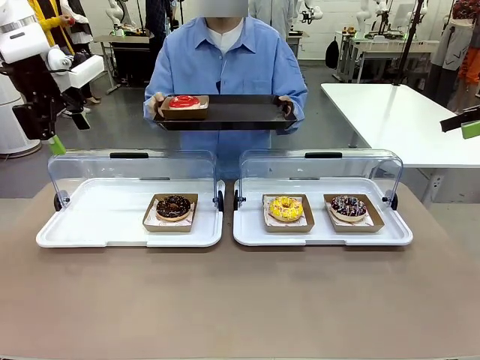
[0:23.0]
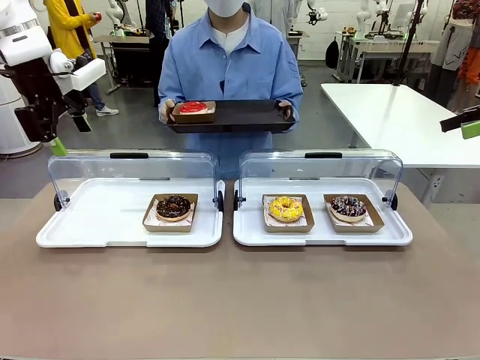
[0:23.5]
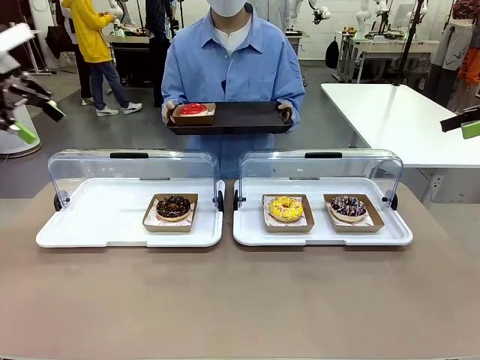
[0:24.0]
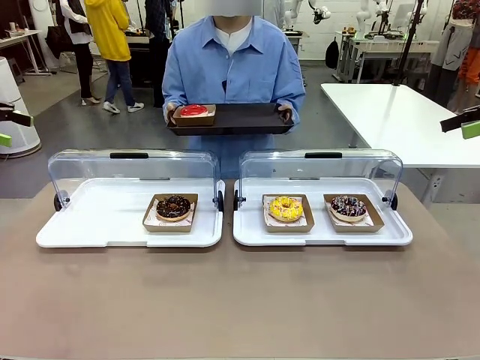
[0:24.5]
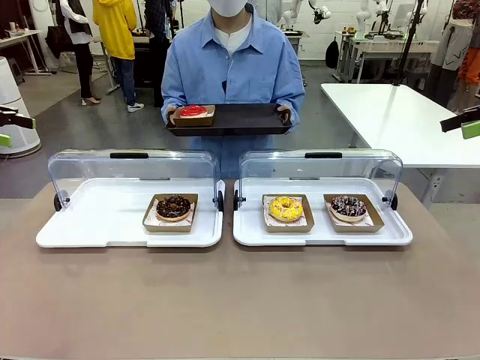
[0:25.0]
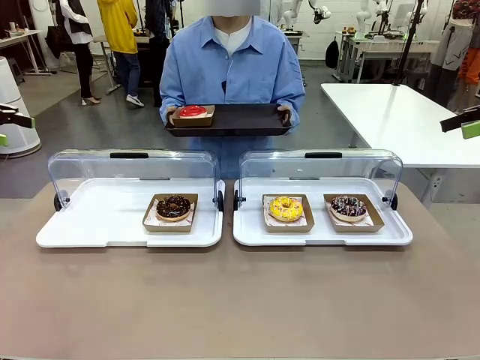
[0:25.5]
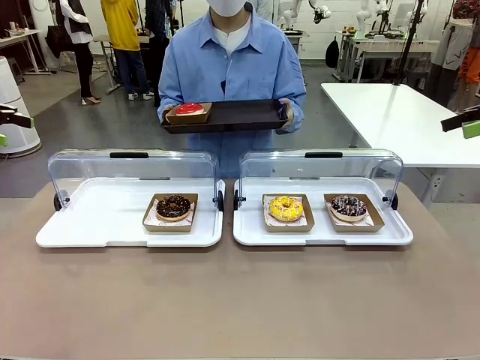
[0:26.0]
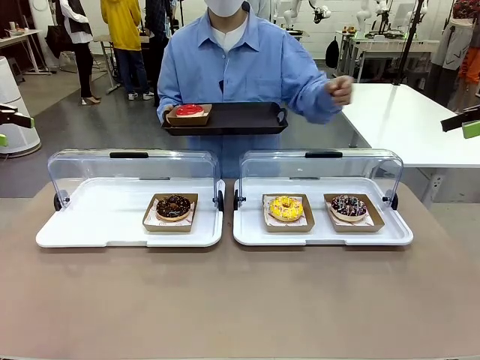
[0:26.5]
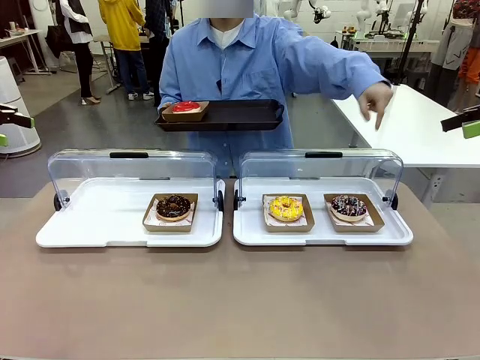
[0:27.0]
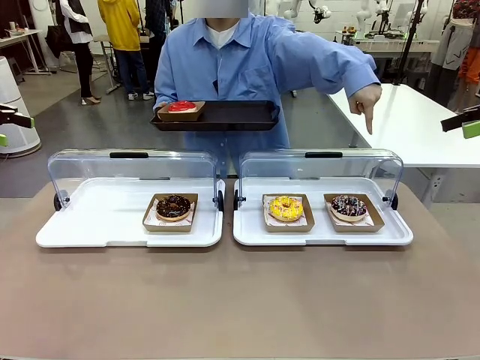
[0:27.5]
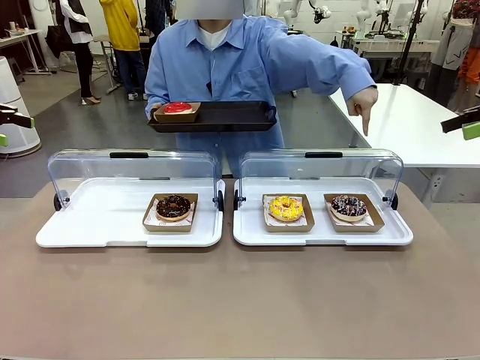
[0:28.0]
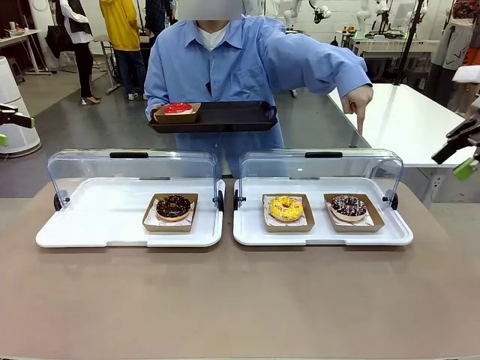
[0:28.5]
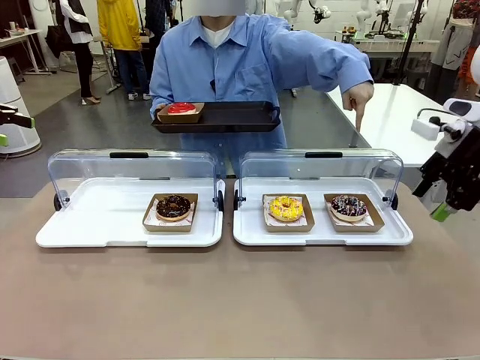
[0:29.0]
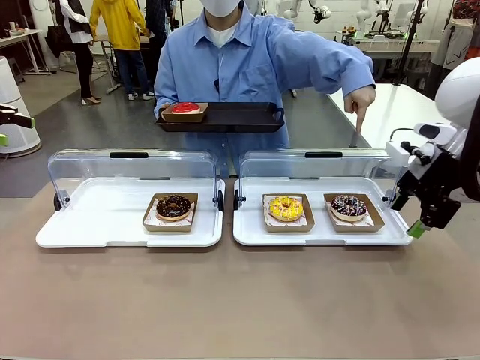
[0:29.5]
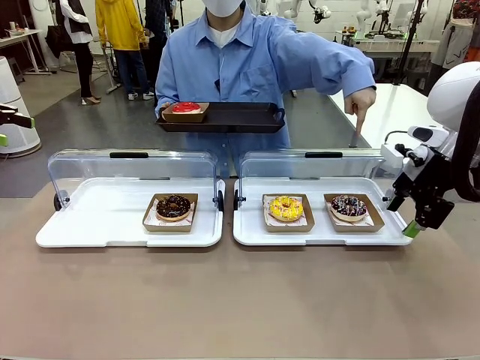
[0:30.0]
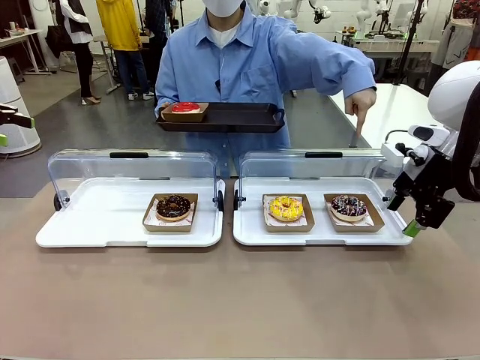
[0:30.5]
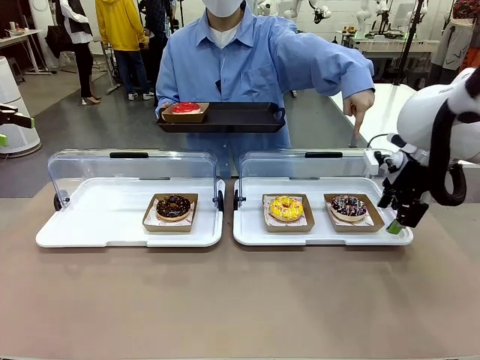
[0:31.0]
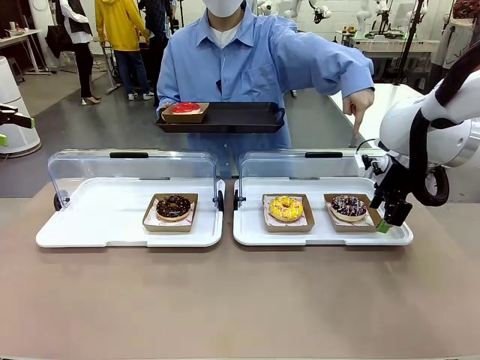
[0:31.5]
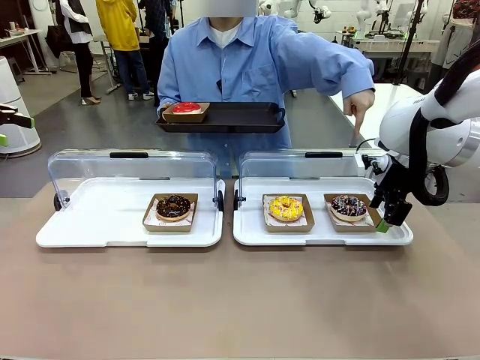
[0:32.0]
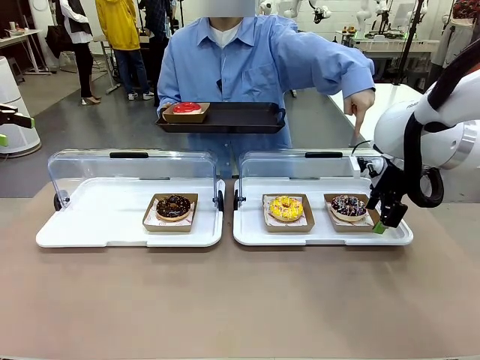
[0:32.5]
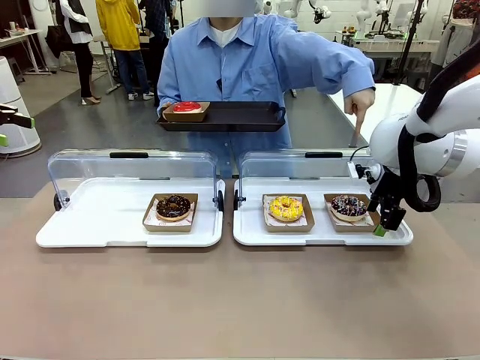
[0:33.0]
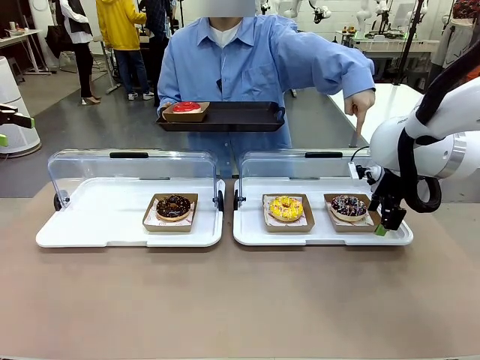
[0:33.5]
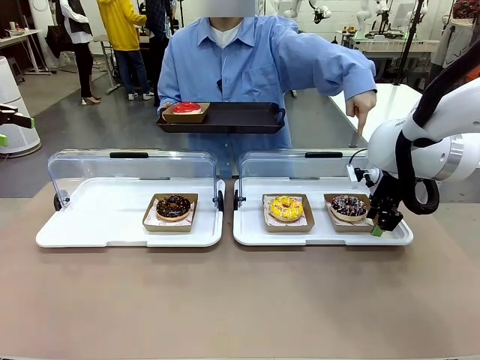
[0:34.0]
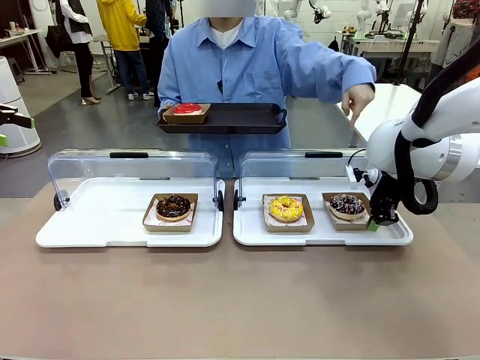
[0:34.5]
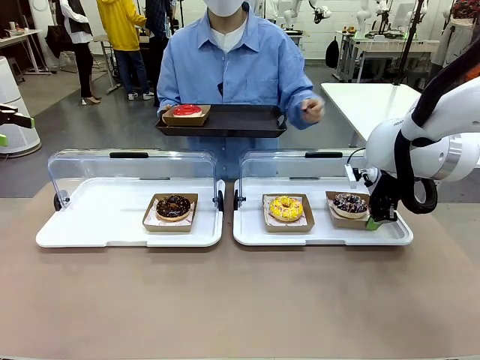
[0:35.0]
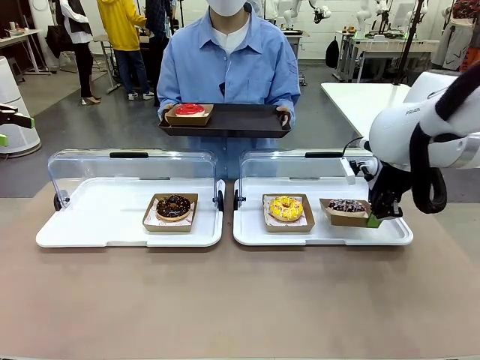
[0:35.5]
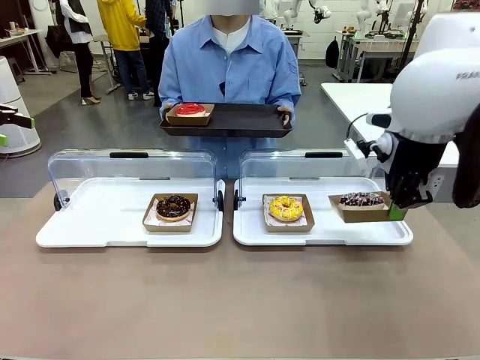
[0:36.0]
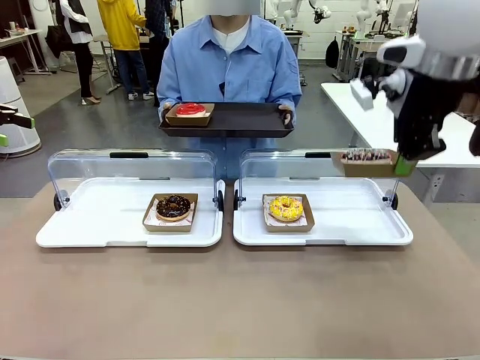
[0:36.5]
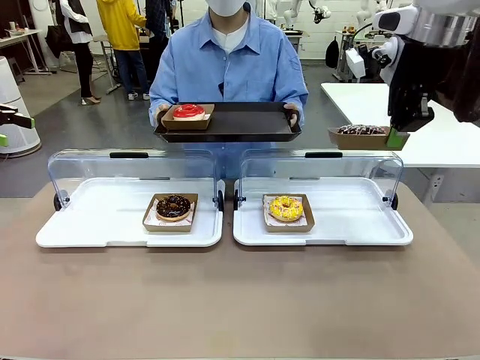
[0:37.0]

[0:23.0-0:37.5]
Task: Provide the desired donut to the person.
Robot: Pick up and lift the Paper togo box containing the Donut pointed at by the person.
Person: Point to one donut. Lift the tray onto the Roll-Top Bakery Case.

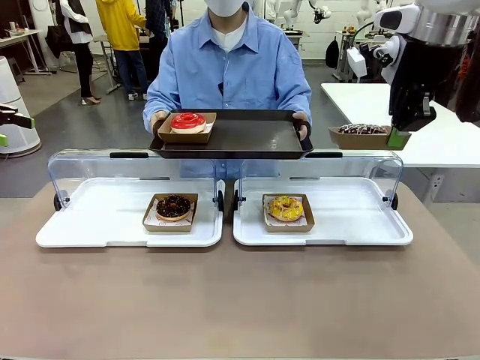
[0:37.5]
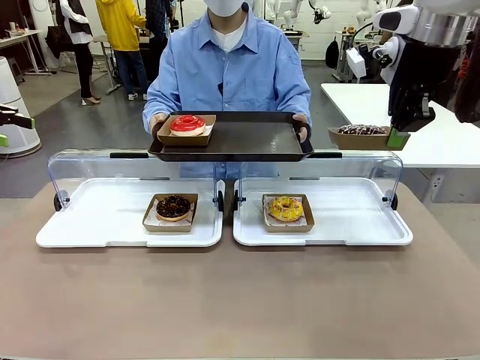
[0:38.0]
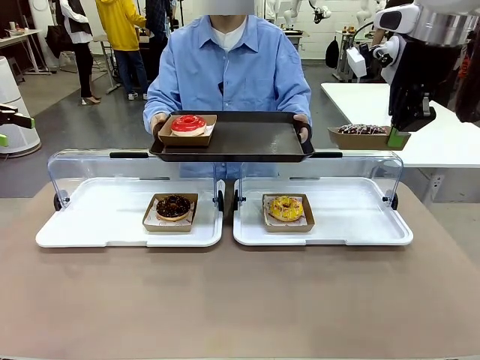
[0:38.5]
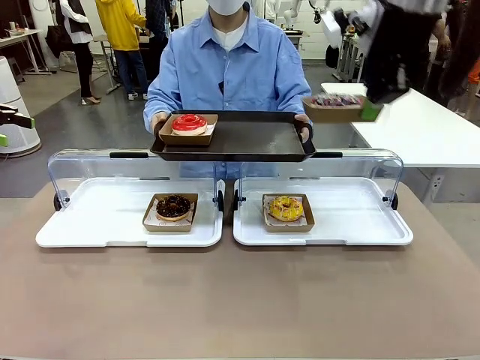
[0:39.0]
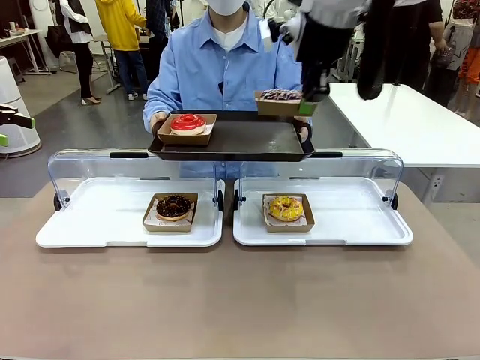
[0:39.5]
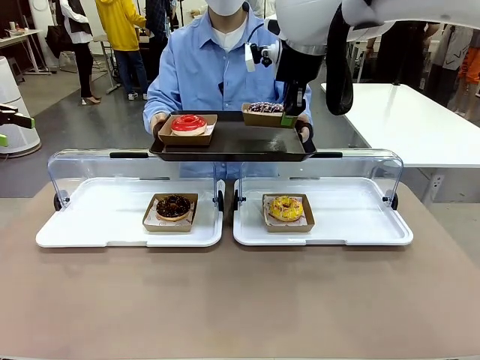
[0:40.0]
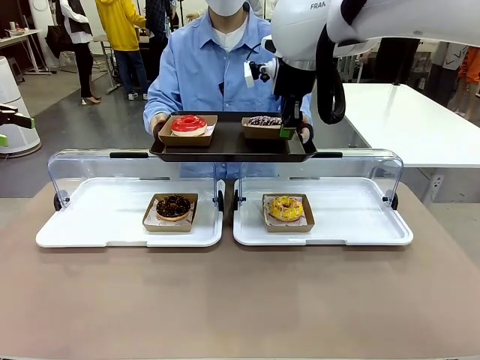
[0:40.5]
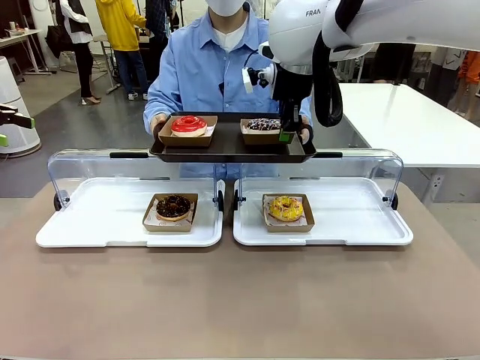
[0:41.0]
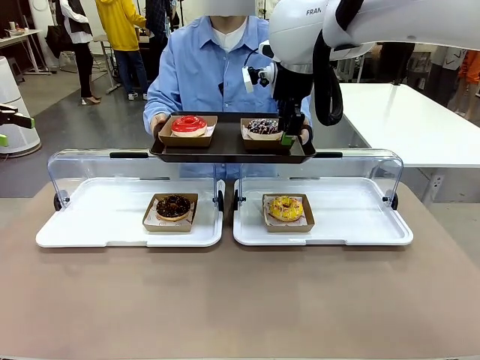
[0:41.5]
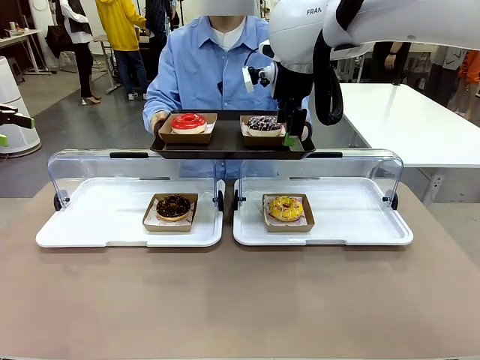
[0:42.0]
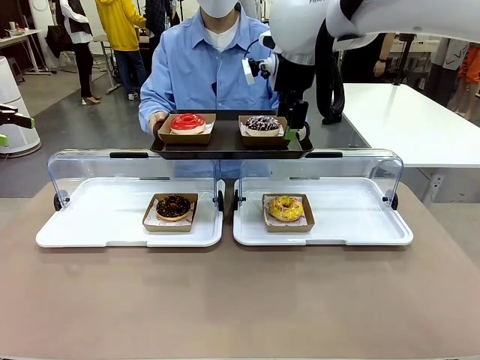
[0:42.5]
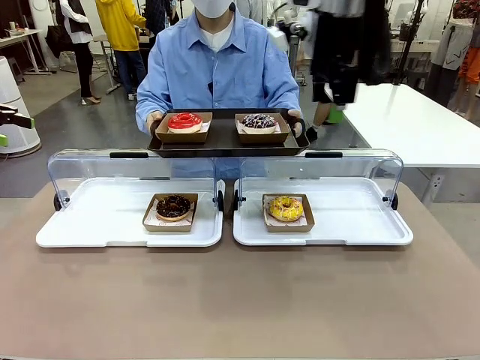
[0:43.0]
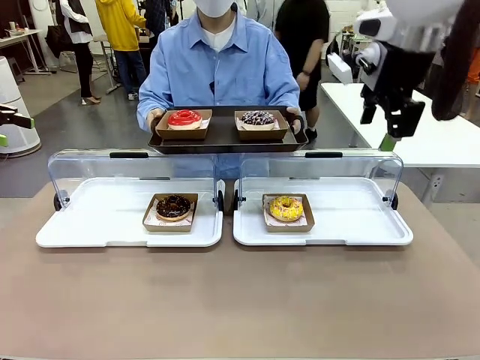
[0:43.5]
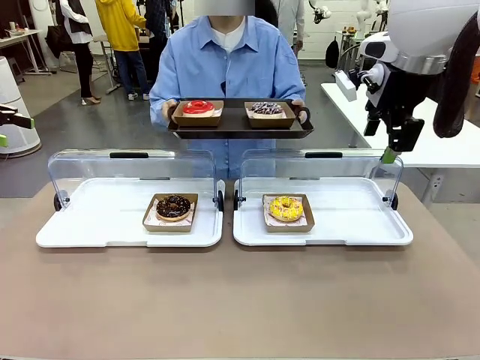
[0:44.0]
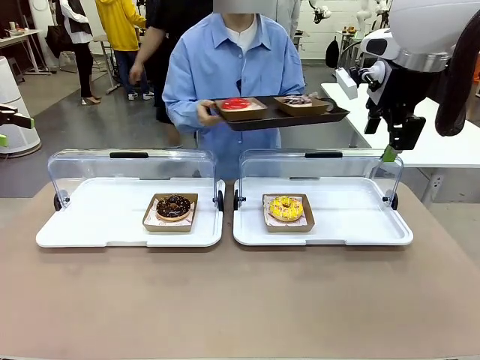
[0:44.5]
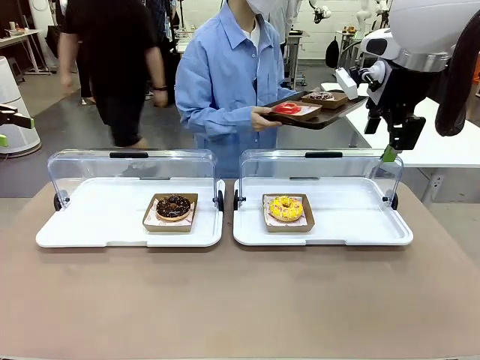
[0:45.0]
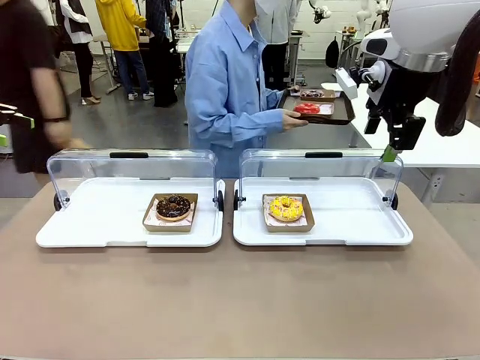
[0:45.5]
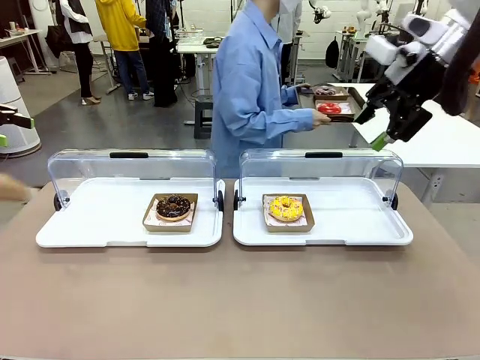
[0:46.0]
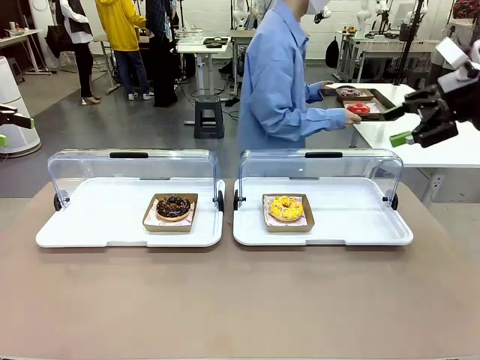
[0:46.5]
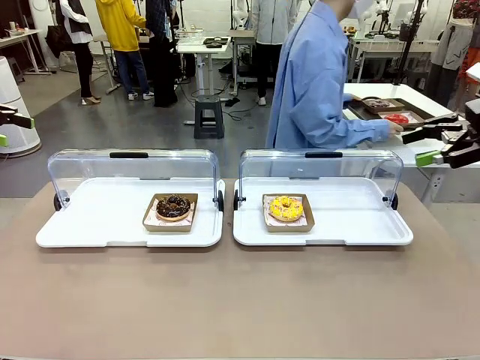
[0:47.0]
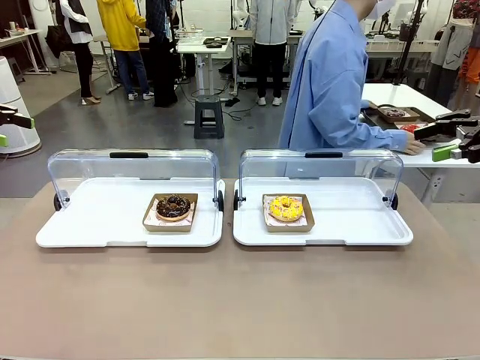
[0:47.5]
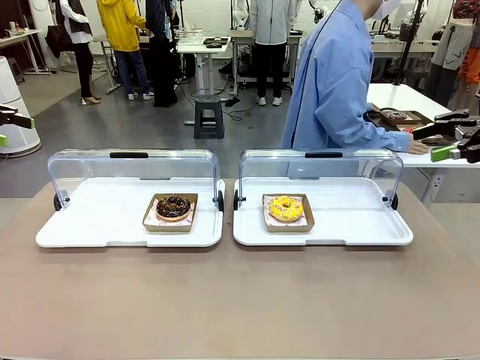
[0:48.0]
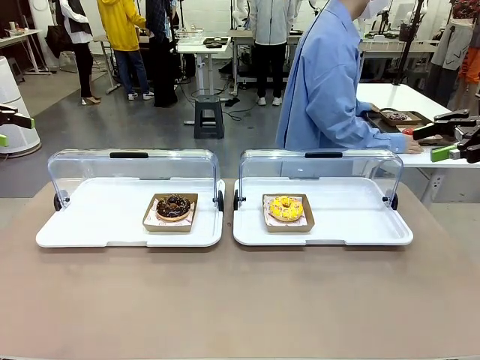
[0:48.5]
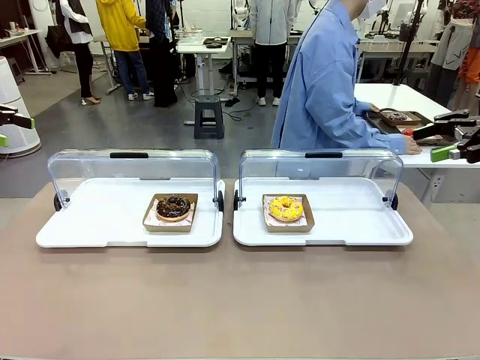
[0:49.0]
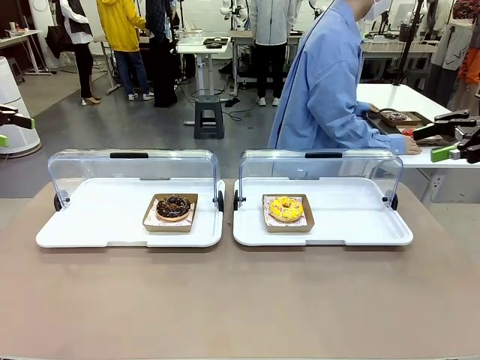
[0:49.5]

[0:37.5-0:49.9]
Robot: Place the picked Paper togo box onto the Handle tray extended by the person.
Person: Place the tray in the middle of the human table.
